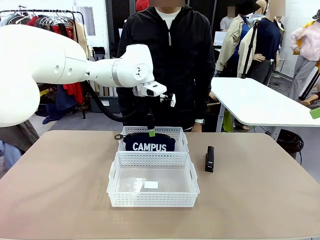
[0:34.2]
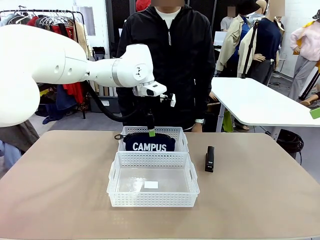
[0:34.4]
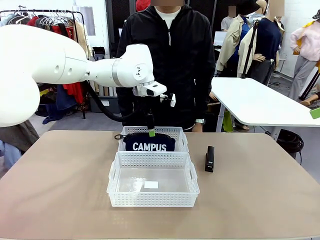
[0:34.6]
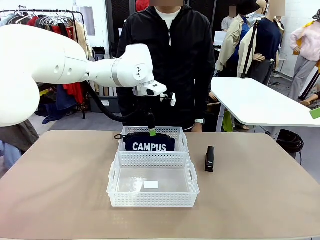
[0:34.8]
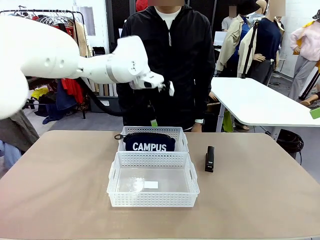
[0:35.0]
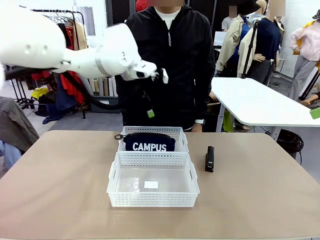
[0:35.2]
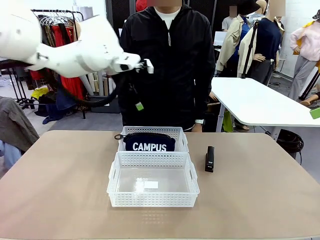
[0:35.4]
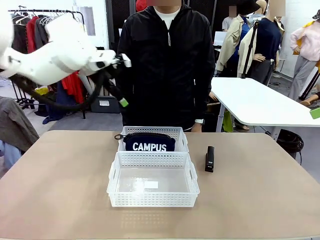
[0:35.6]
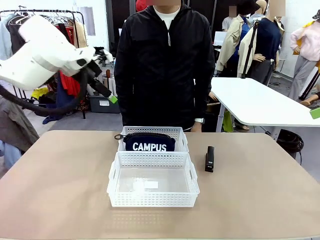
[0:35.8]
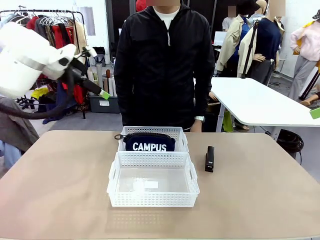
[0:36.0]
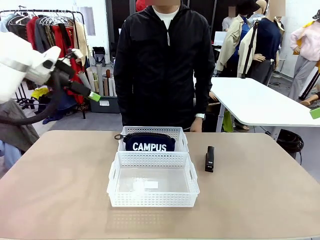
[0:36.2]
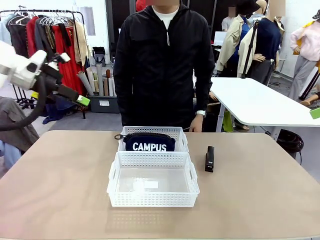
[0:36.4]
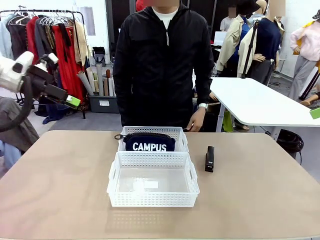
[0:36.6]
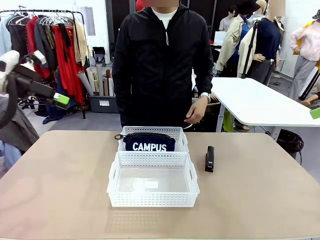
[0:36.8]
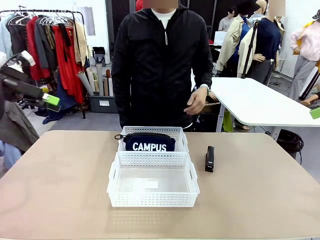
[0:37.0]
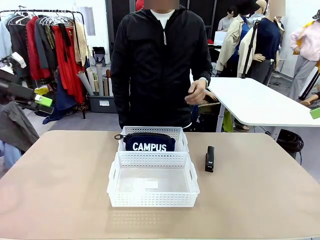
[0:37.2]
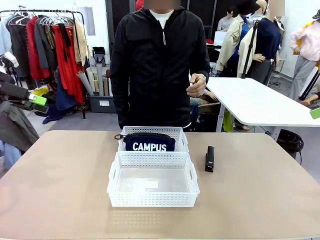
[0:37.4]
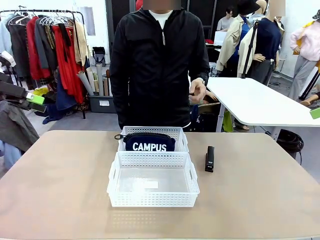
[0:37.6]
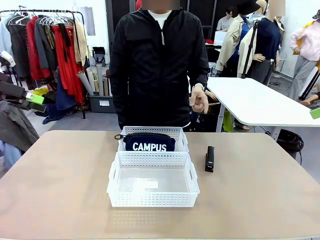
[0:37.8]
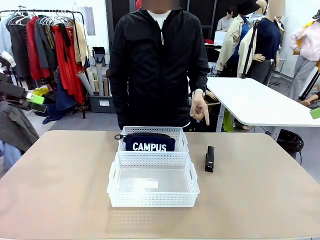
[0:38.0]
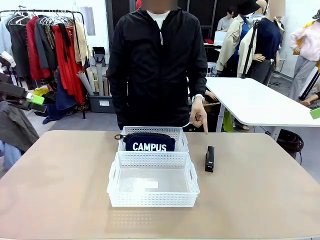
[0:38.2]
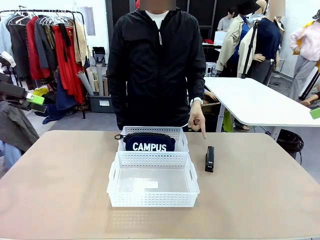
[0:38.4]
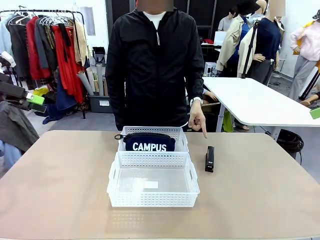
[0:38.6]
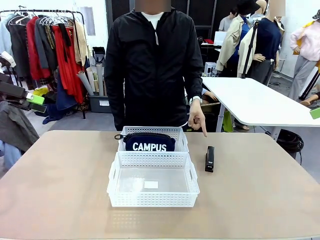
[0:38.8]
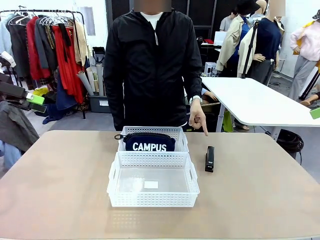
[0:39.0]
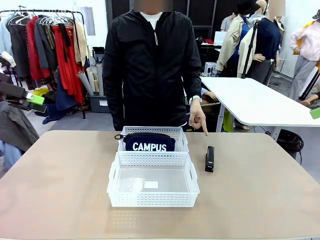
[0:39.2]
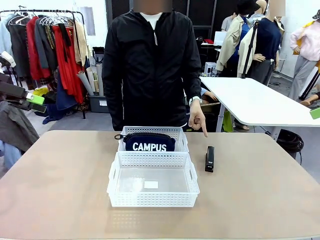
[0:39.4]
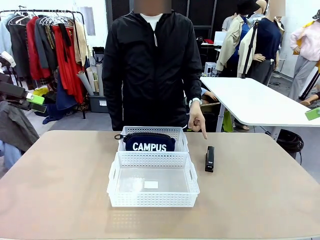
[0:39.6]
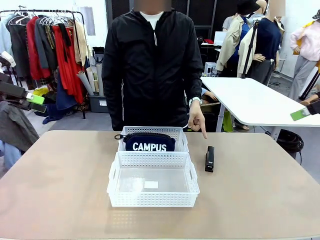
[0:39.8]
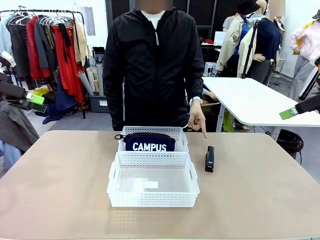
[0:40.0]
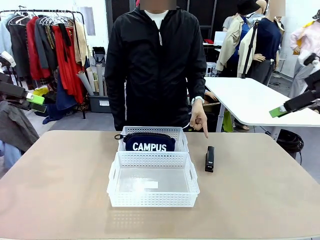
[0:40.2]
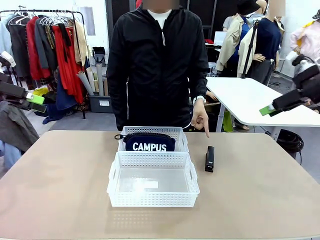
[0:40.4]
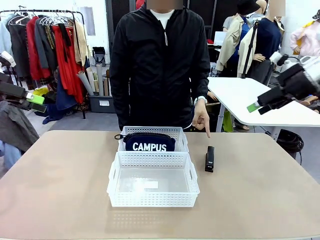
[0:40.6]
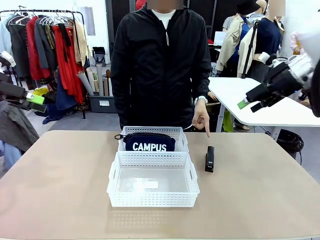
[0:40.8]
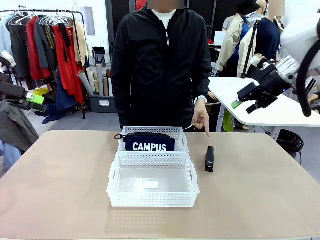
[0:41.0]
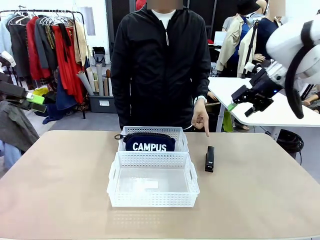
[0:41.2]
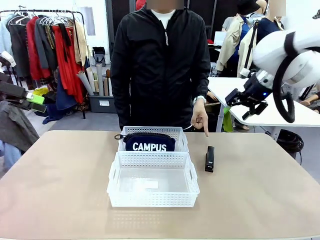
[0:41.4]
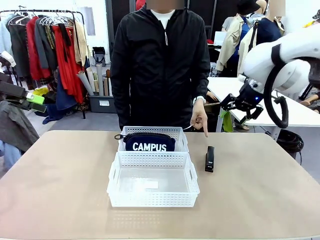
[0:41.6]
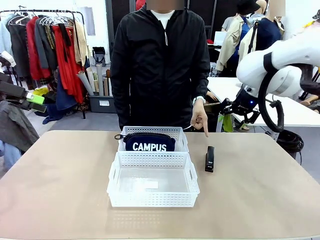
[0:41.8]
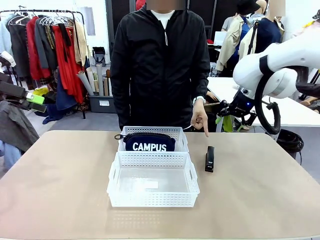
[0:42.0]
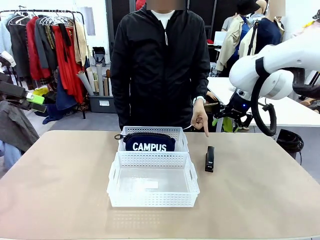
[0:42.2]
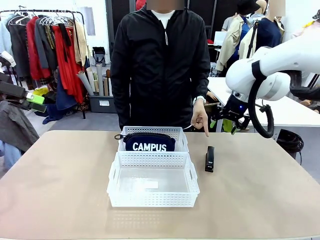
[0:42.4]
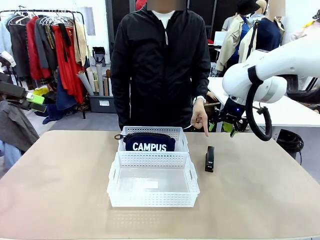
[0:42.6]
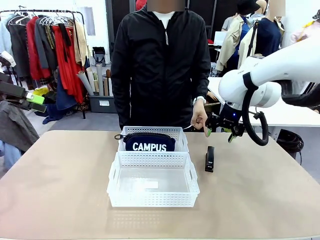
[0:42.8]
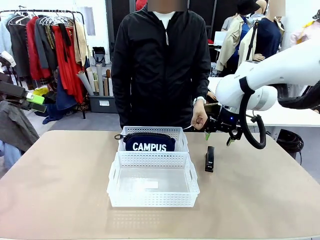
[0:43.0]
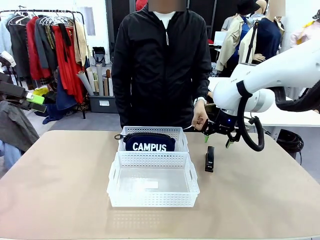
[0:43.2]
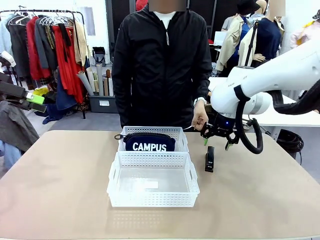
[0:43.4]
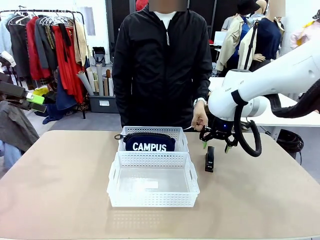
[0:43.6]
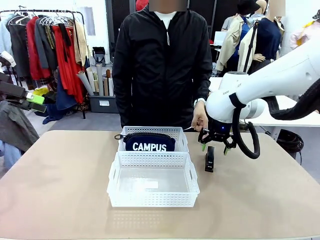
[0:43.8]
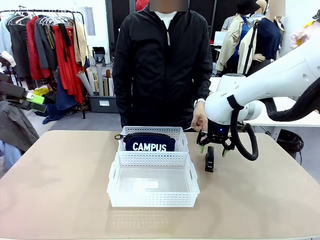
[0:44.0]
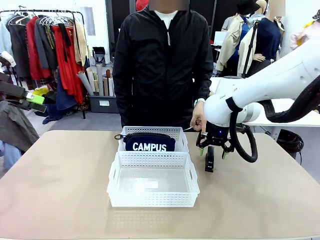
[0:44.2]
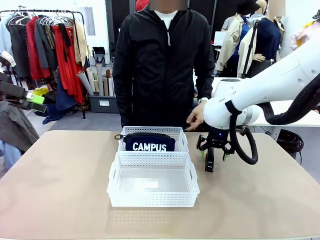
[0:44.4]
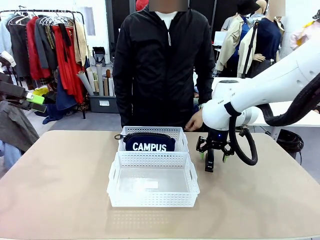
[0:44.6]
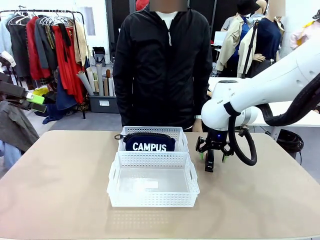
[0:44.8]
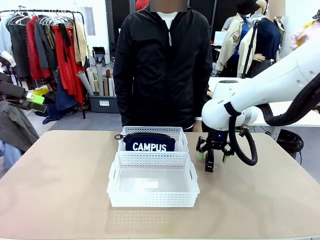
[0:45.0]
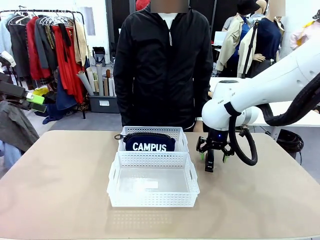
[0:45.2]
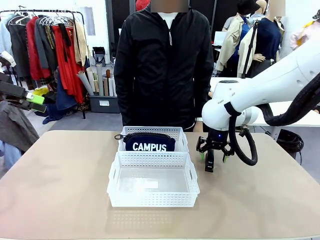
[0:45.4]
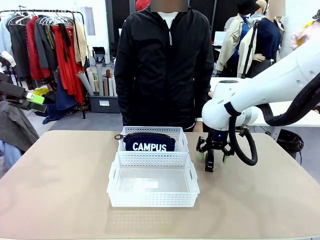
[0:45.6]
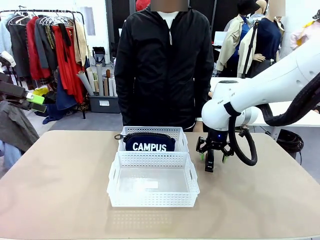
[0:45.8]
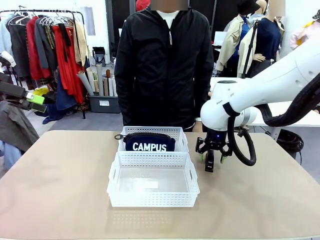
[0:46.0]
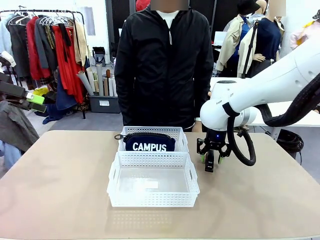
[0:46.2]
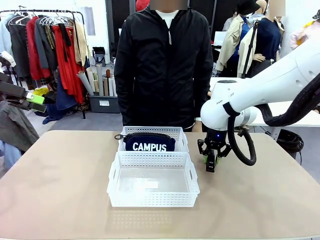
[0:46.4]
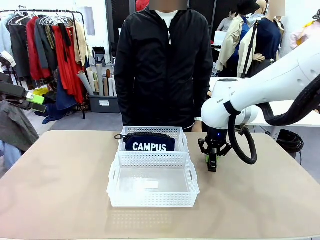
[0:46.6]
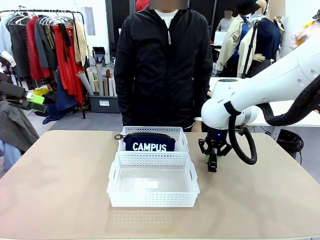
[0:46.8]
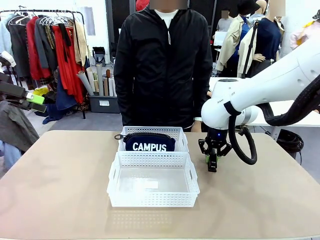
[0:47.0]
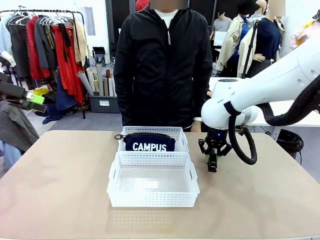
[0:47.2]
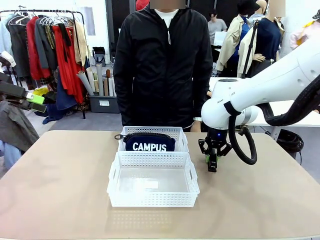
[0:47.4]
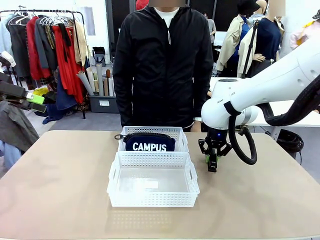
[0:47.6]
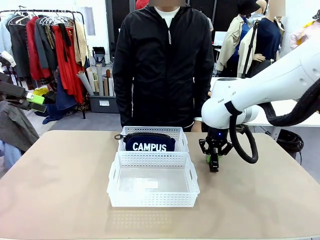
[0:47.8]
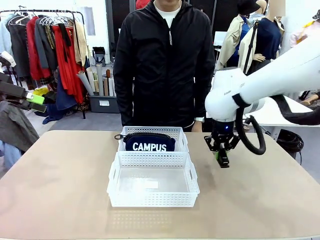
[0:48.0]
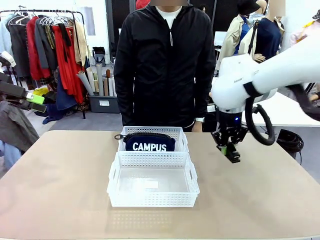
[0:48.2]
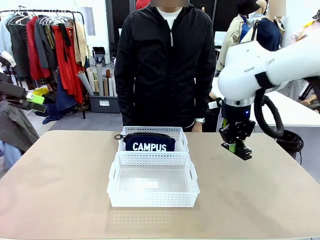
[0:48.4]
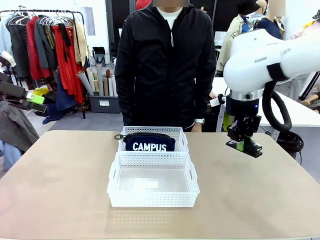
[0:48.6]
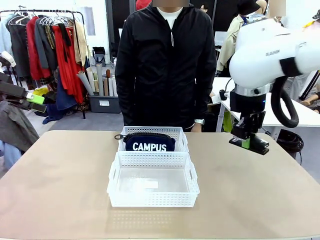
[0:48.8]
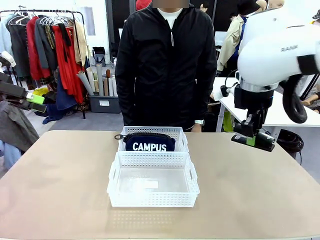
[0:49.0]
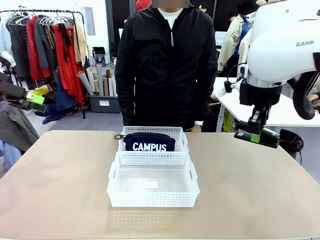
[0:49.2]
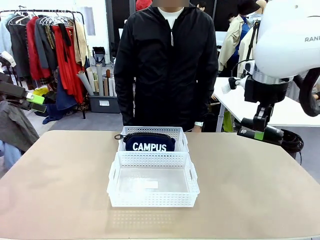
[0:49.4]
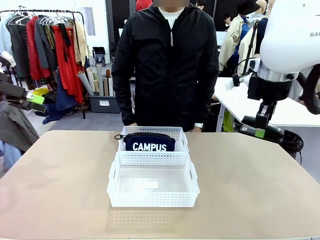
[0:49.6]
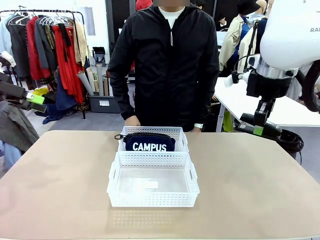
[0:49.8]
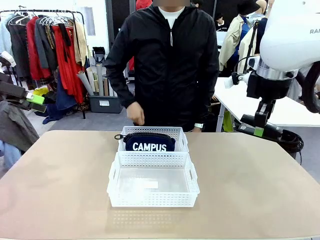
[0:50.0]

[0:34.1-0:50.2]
Task: Distribute items into two baskets.
Robot: Pick up the Stapler that the person points to.
